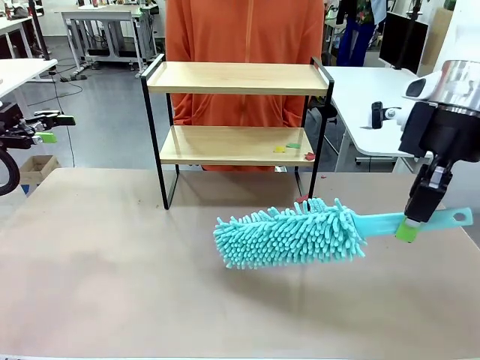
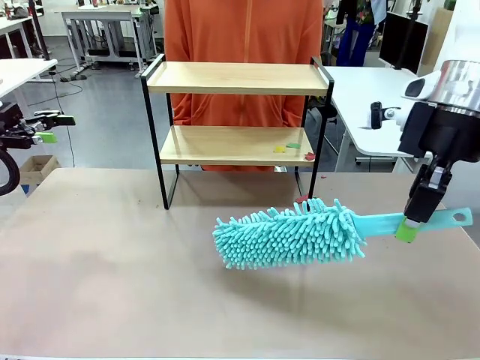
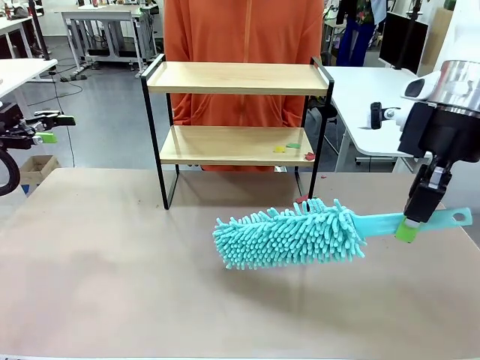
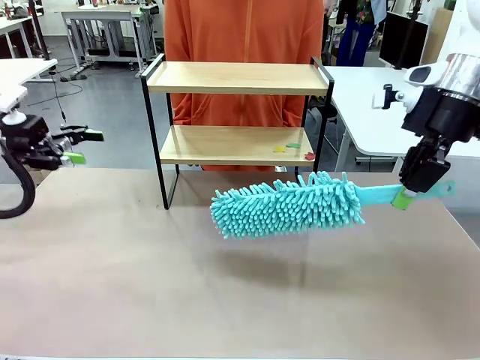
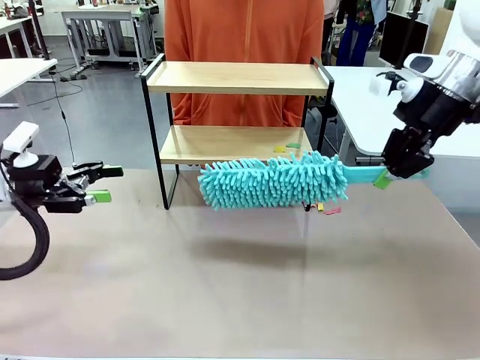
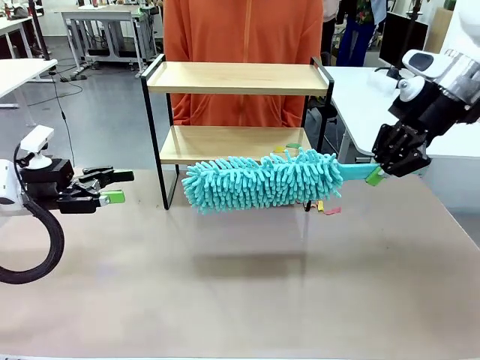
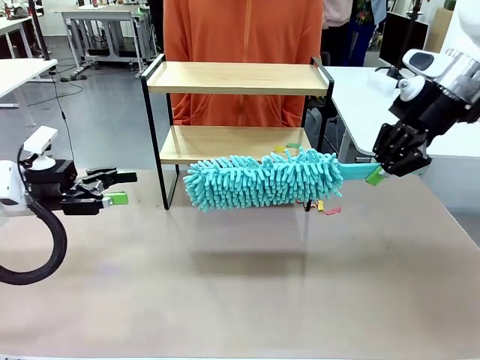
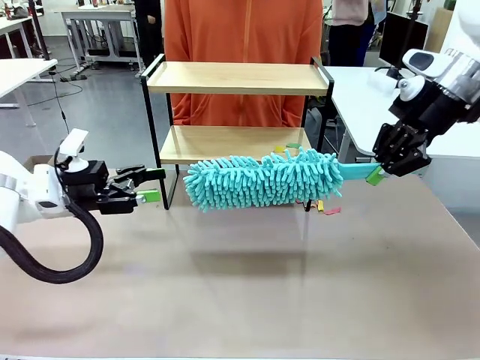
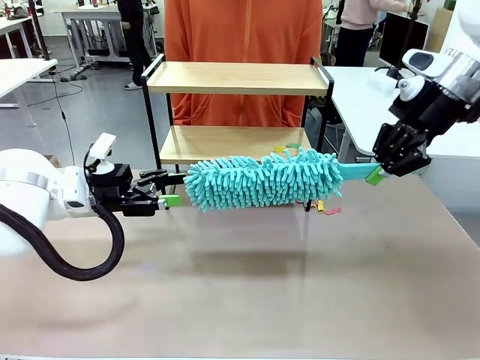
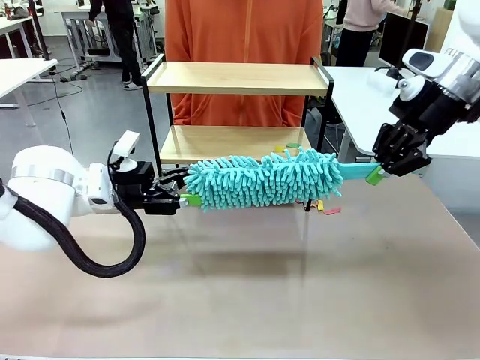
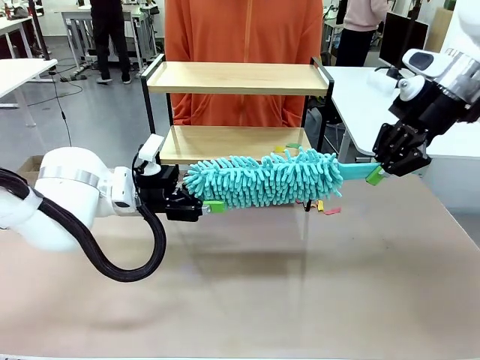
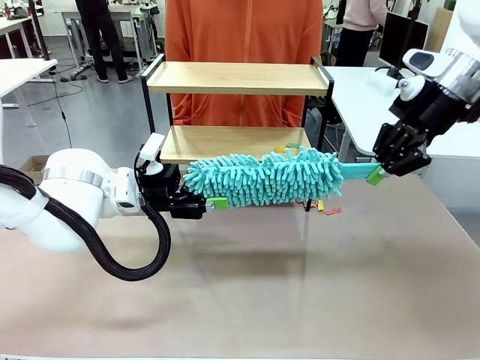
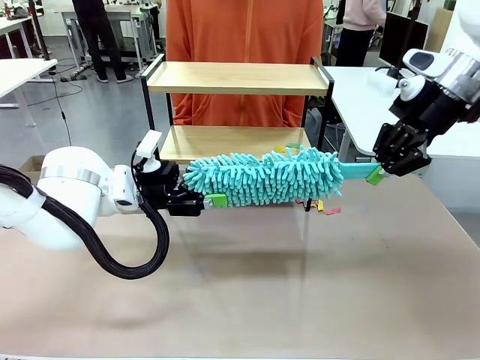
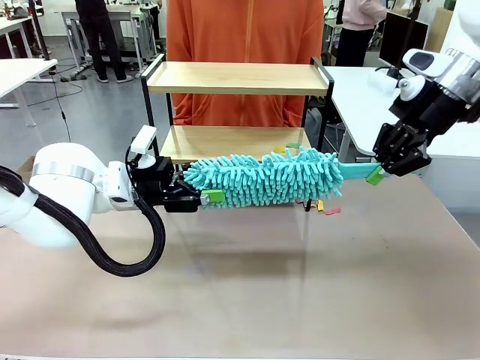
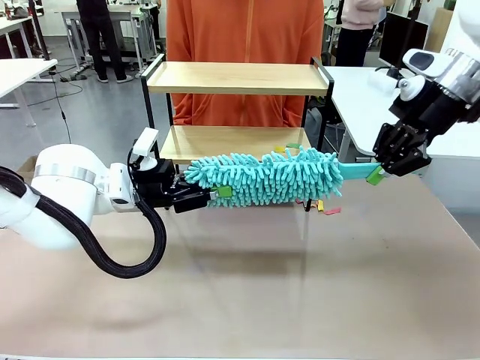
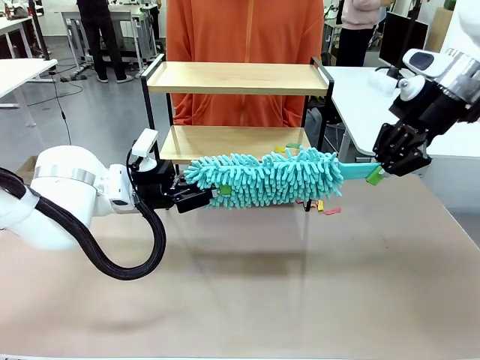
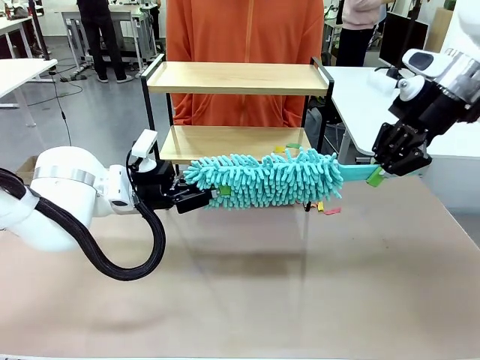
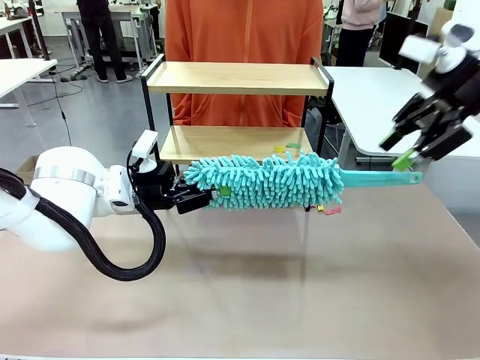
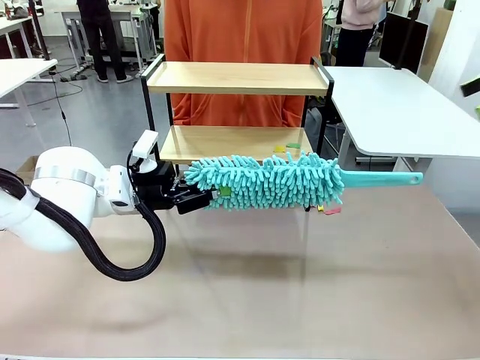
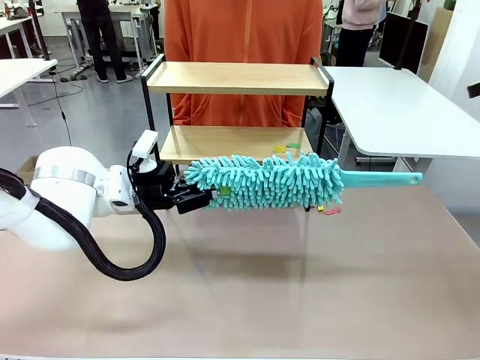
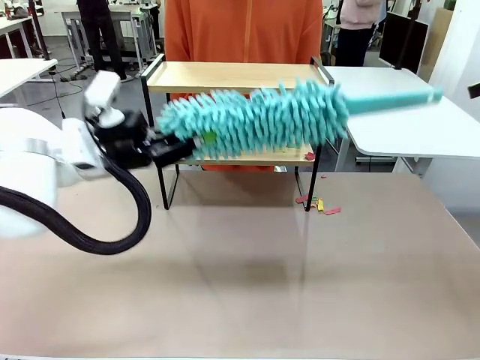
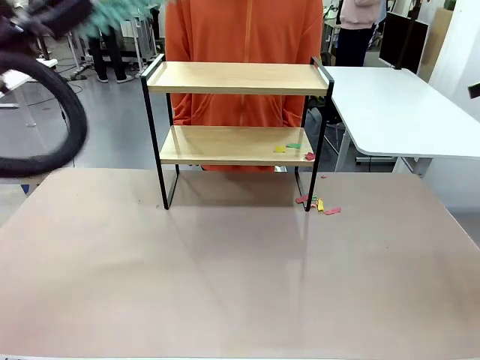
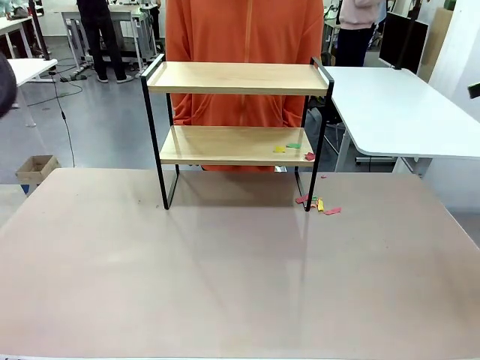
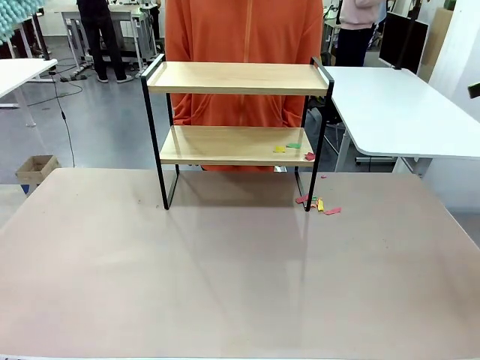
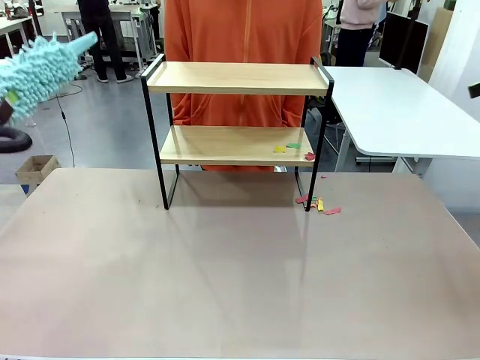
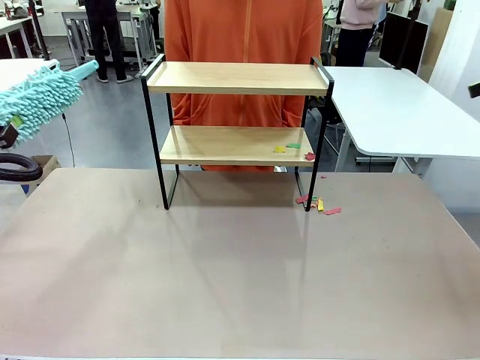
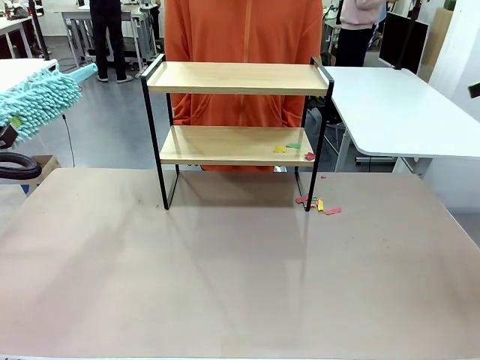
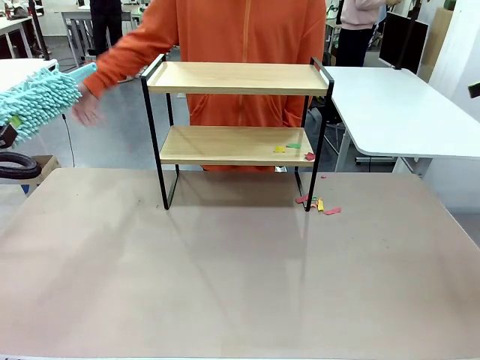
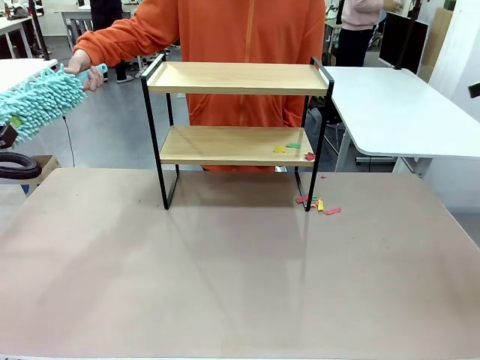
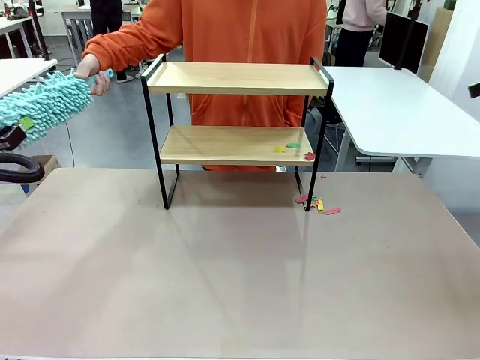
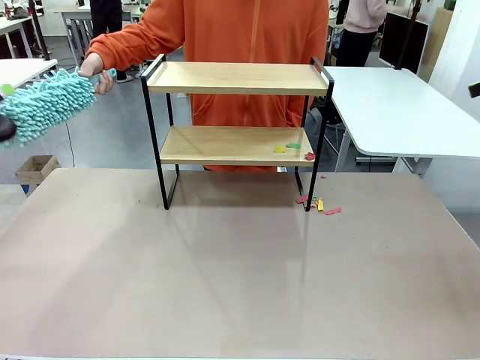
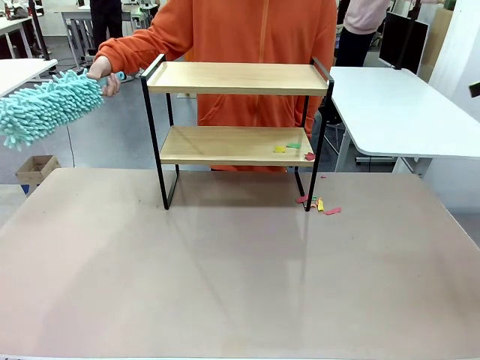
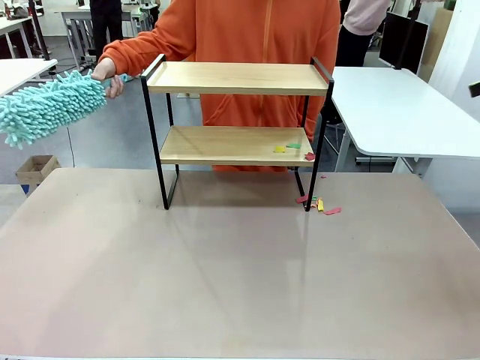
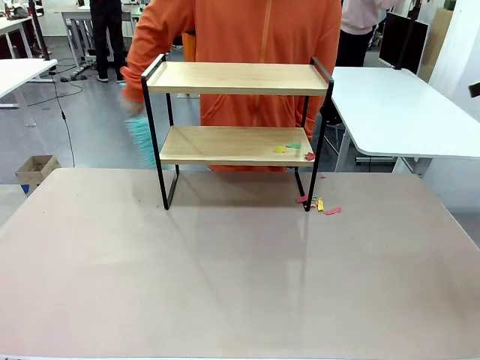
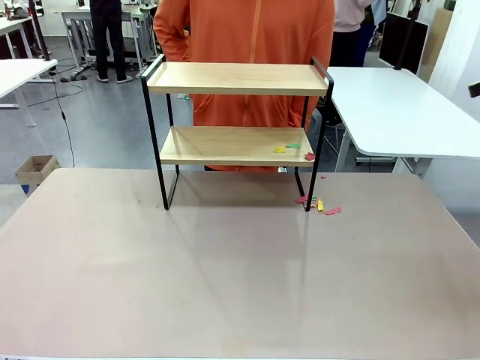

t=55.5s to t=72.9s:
Task: Clean the shelf.
Robot: Hand the Duster back to the human.
Person: Receive the Duster from the robot.

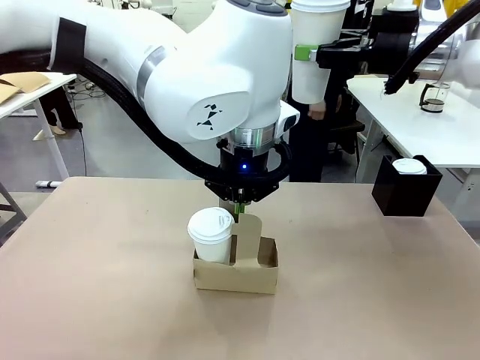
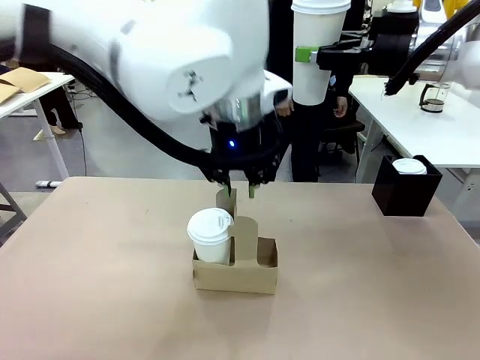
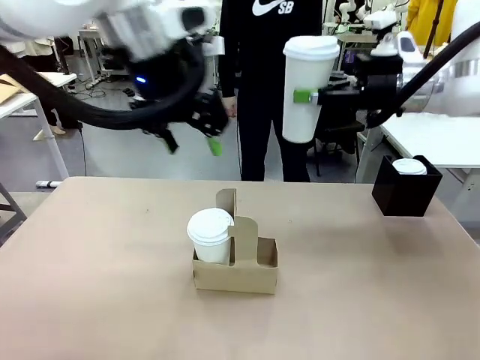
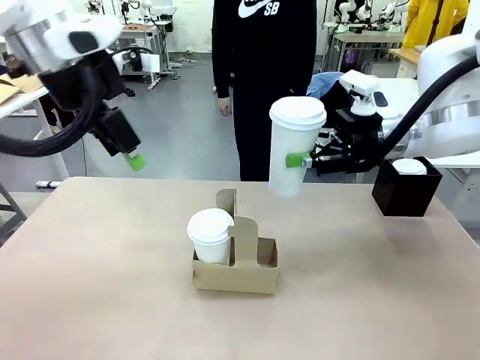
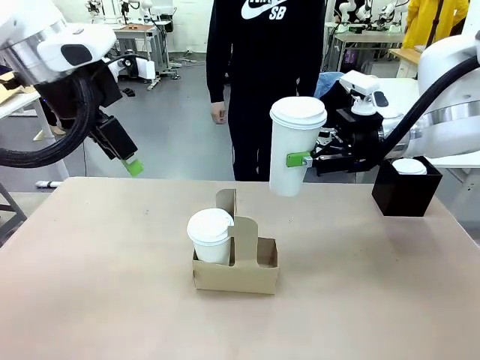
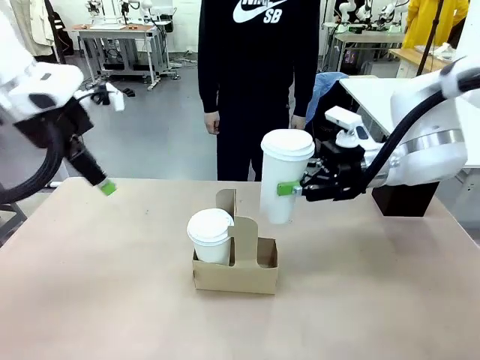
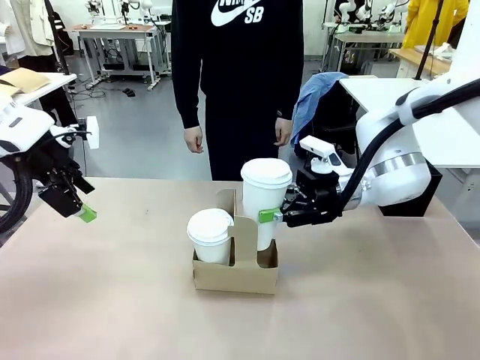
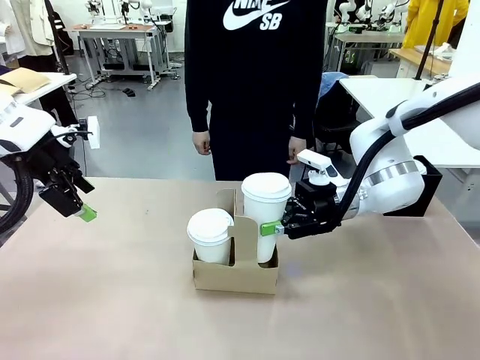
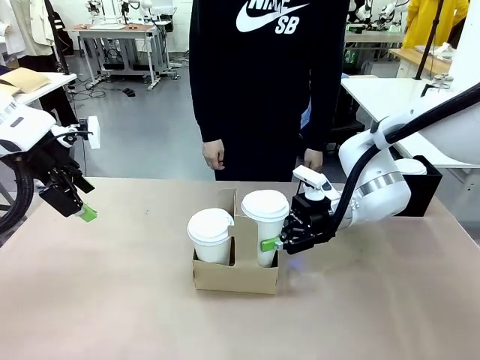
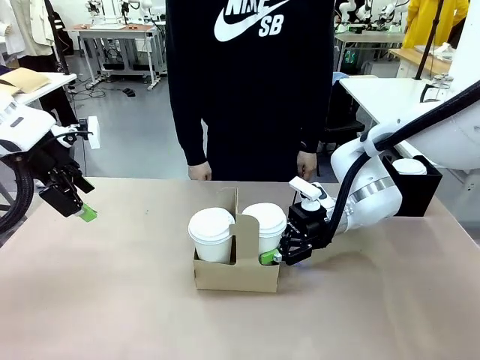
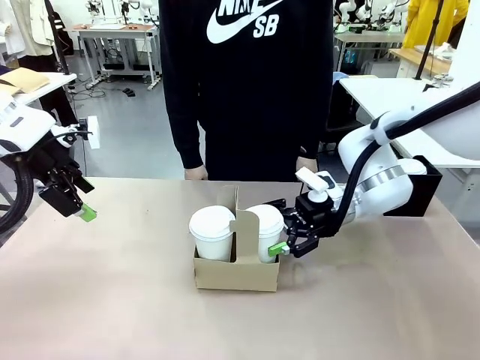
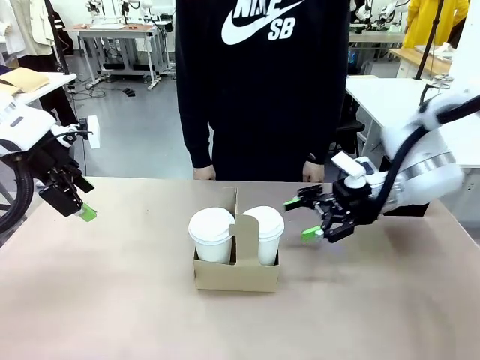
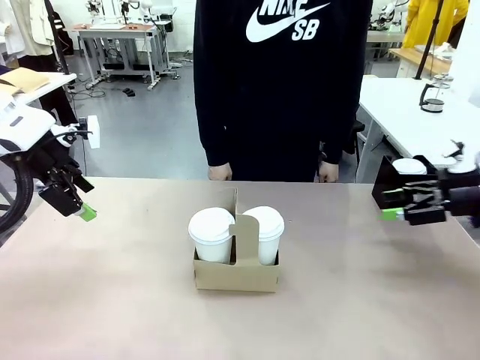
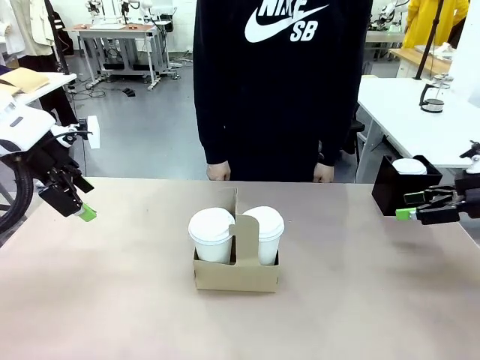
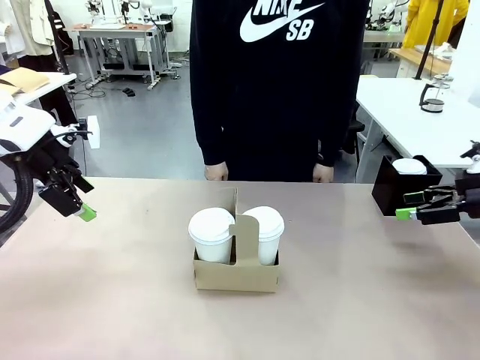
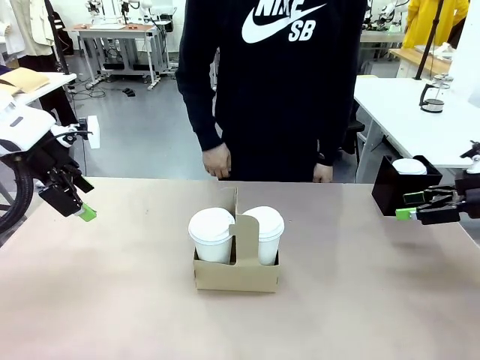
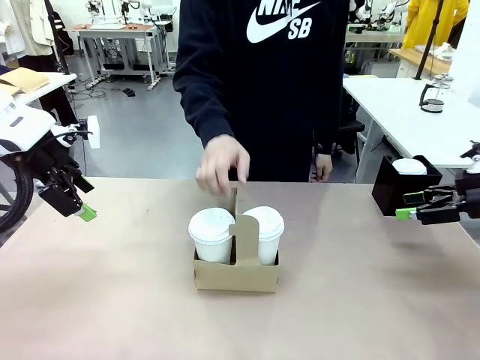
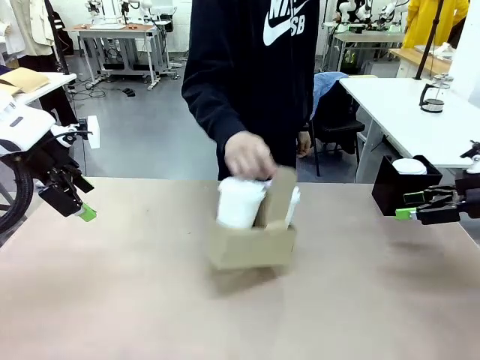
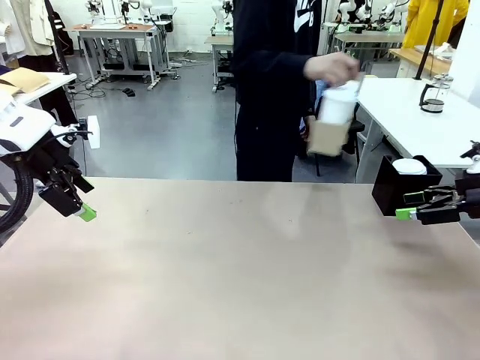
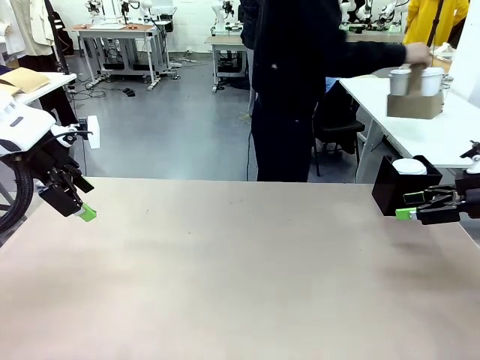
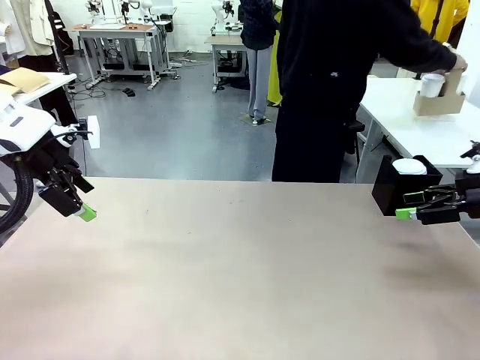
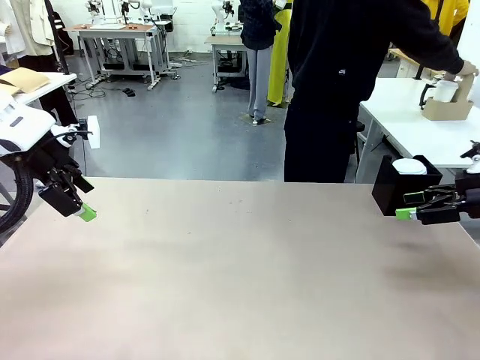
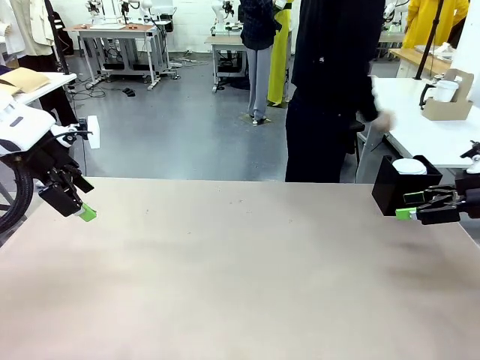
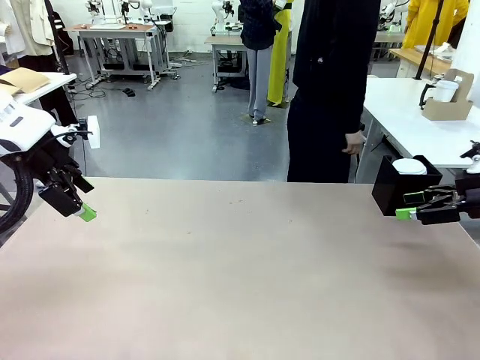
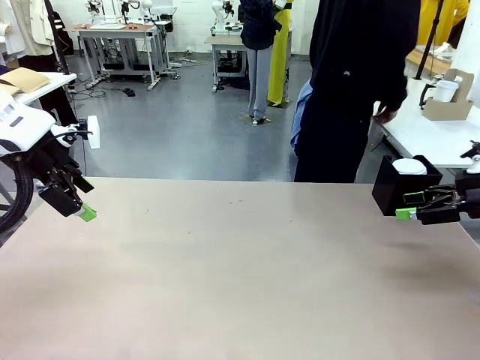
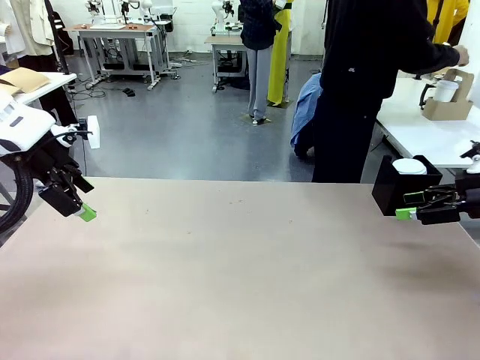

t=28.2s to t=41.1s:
Task: Pour a drink into a cup and package it in a carrier.
Robot: Insert the held 600 ml Paper Cup into the Cup Carrier.
Person: Place the Cup Carrier to the middle of Human table.
